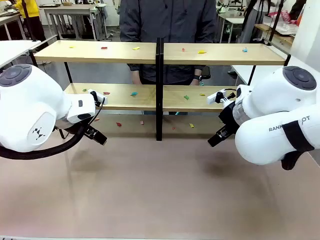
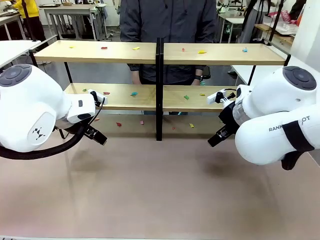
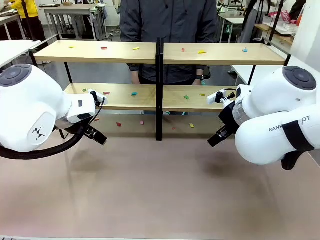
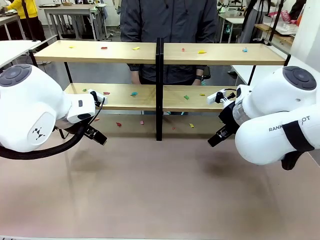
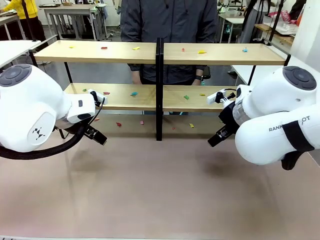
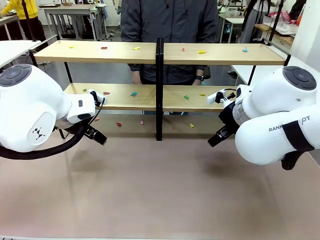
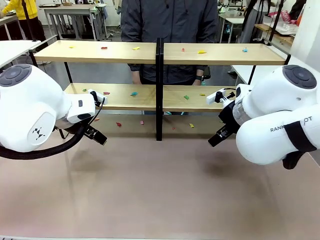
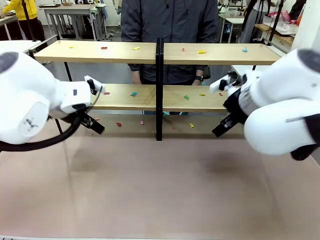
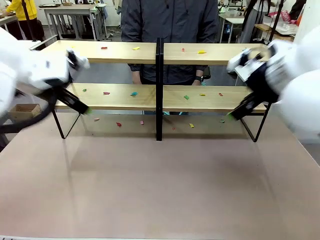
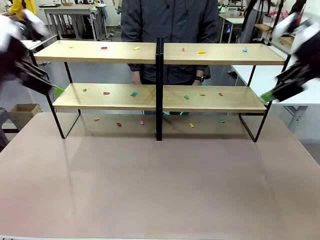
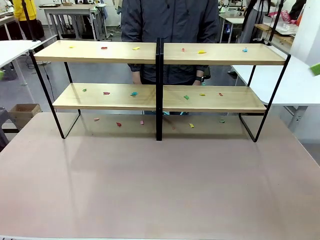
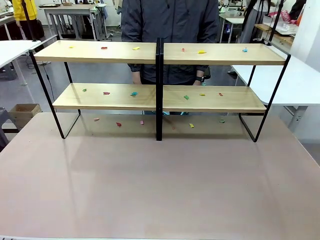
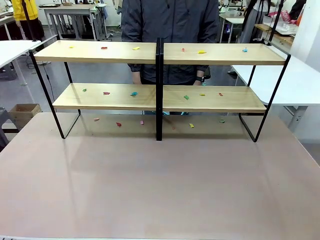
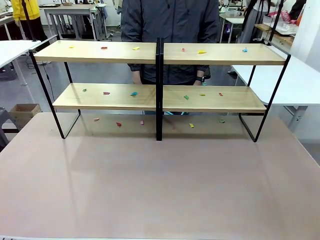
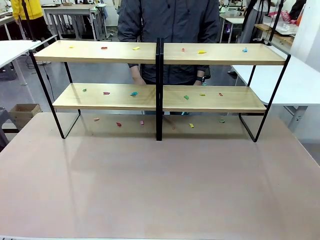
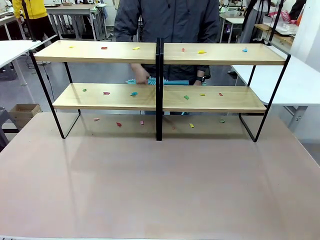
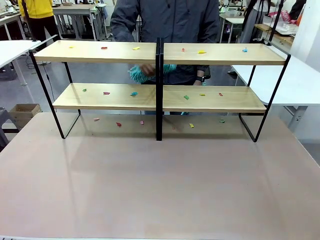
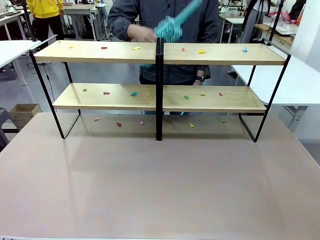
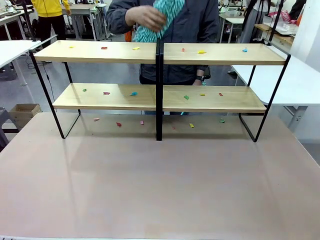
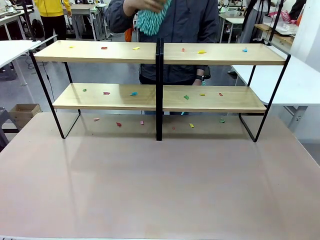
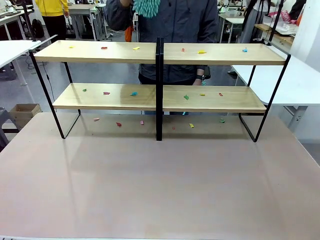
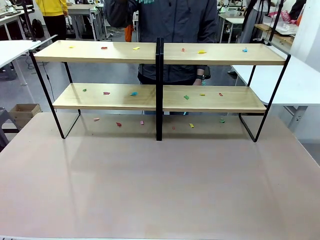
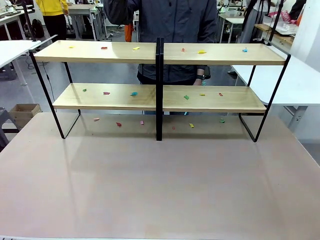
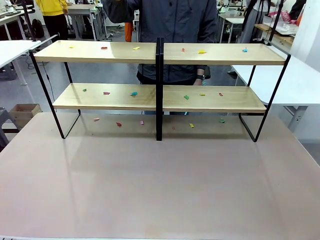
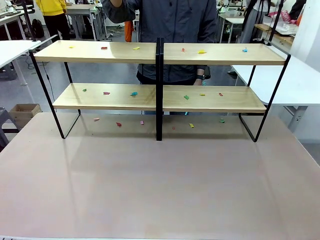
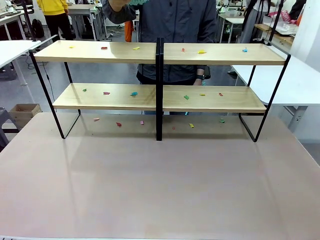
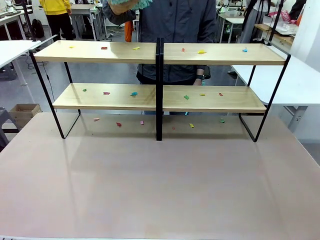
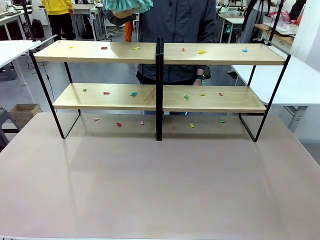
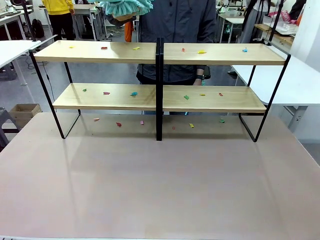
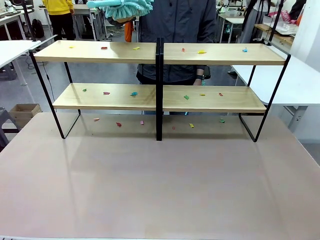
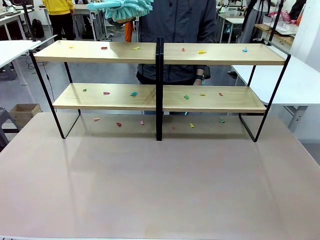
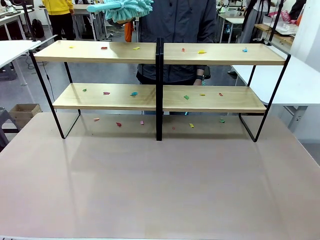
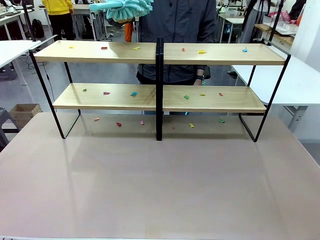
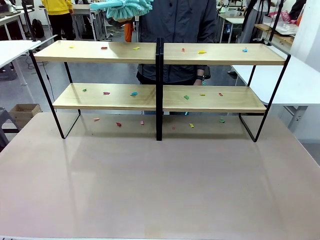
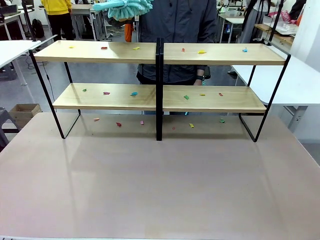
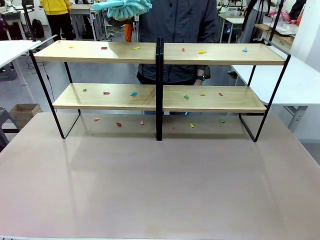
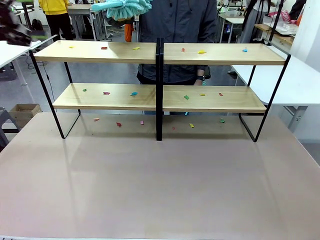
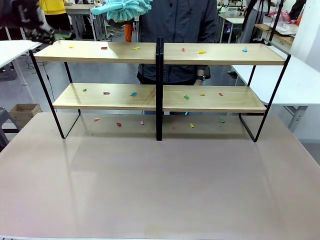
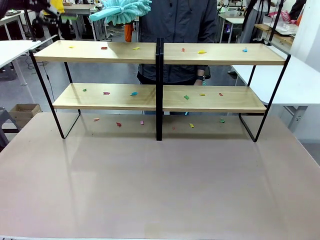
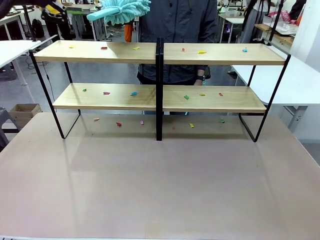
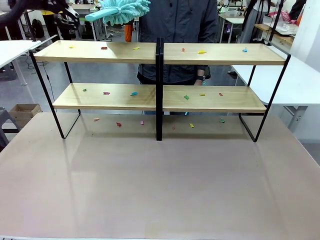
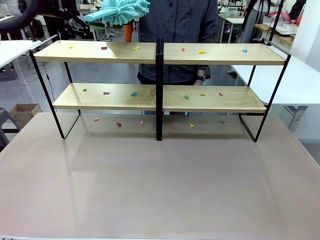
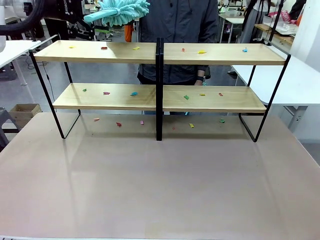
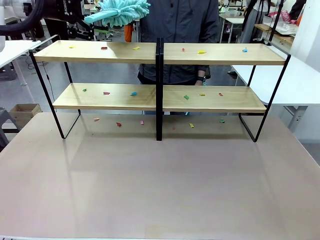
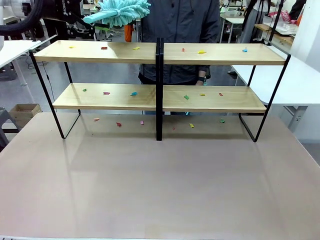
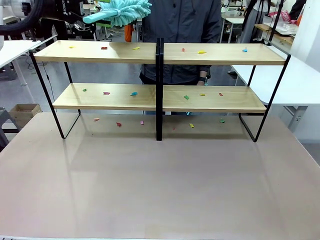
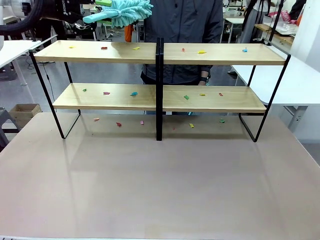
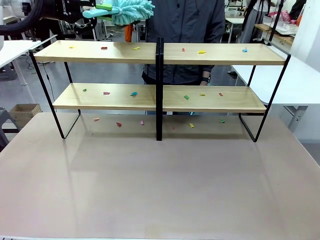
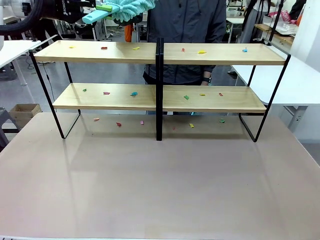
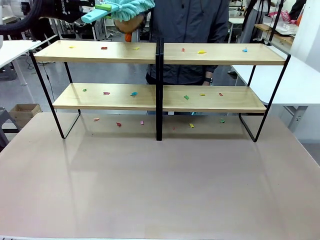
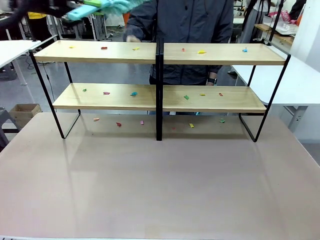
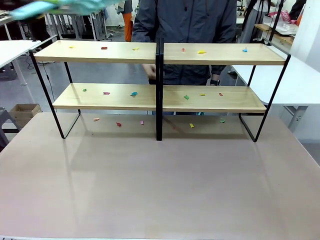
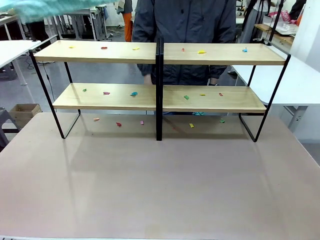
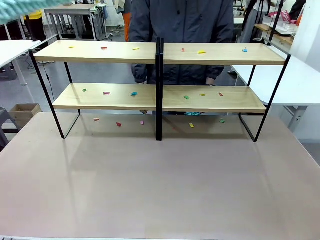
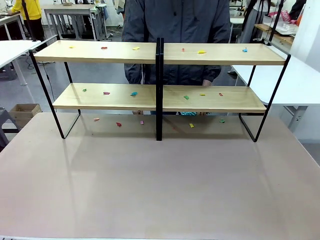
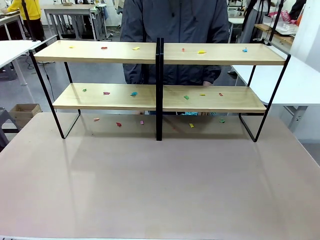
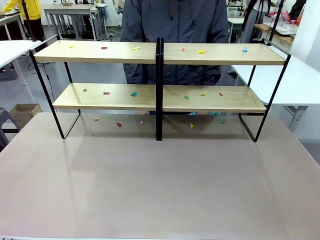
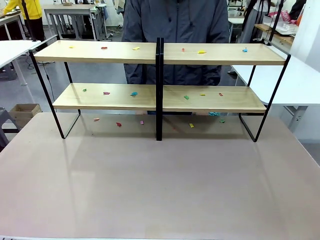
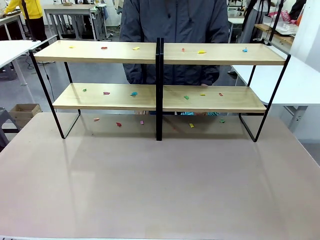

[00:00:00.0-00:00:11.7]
Task: Clean the shelves.
Robot: Pick up the Duster when the human hands it over.
Person: Hand the Duster to the robot with your right (or left) hand.

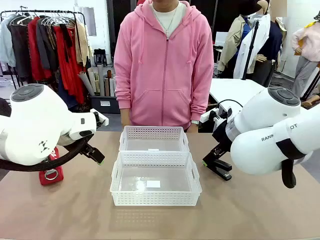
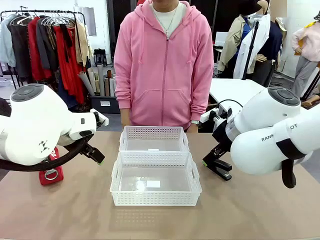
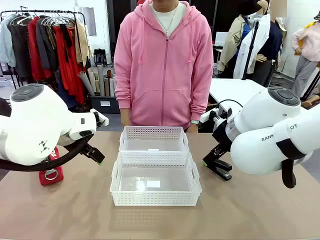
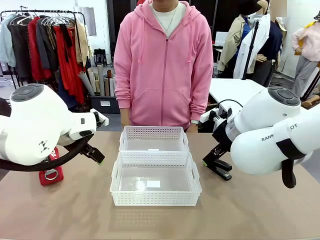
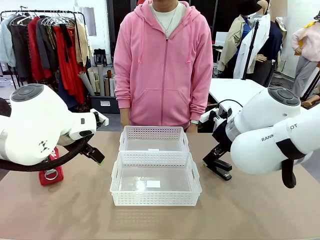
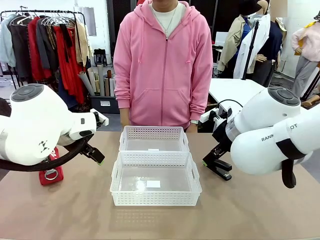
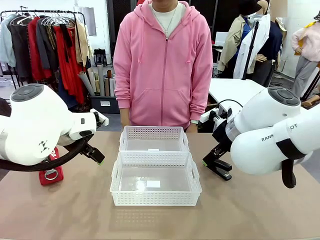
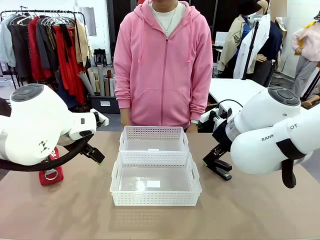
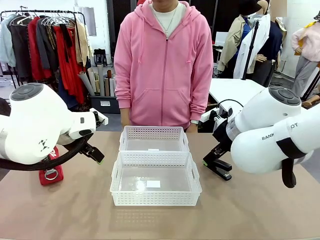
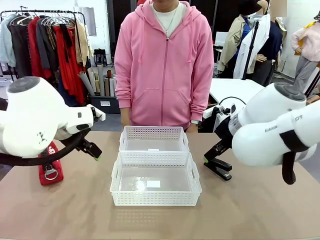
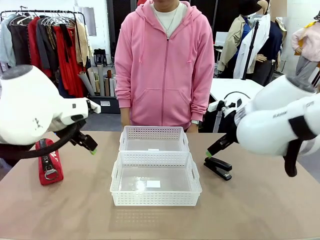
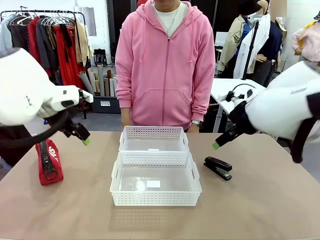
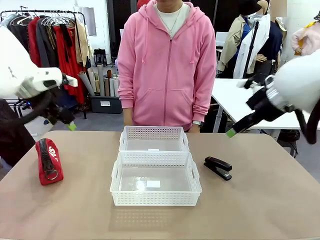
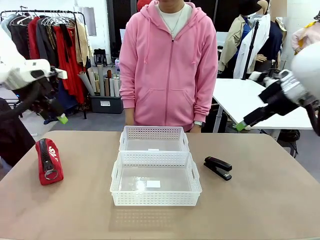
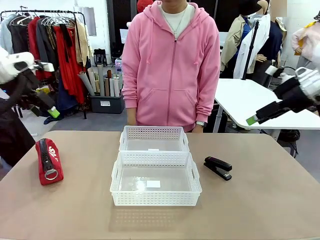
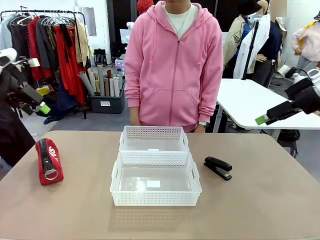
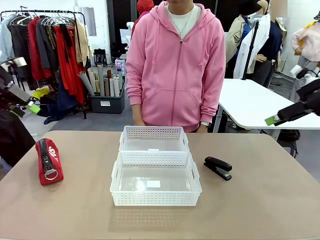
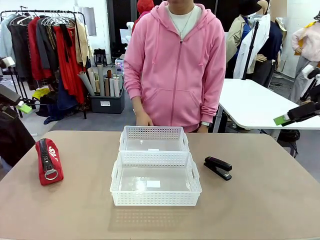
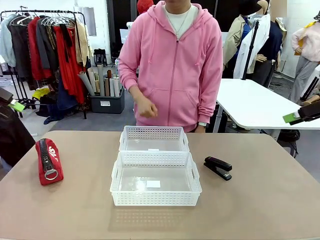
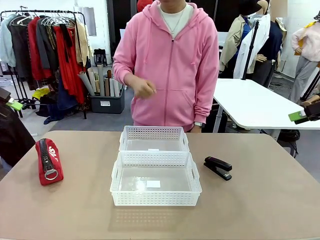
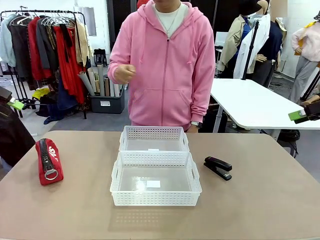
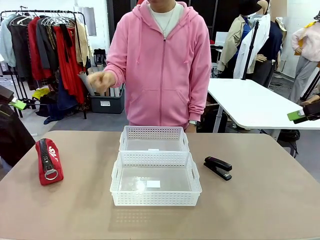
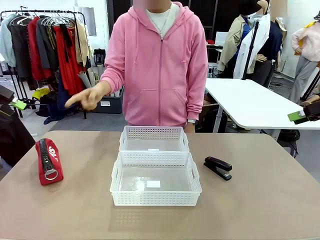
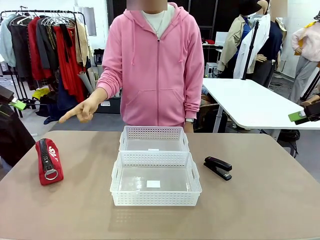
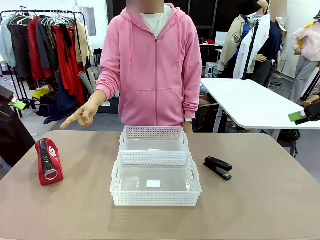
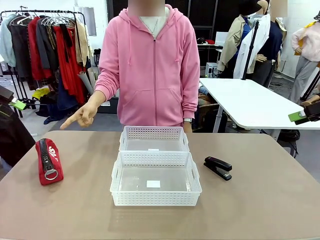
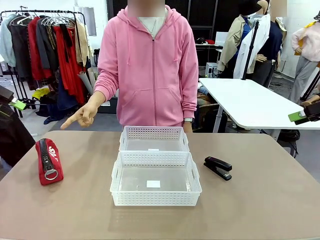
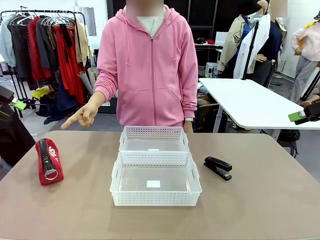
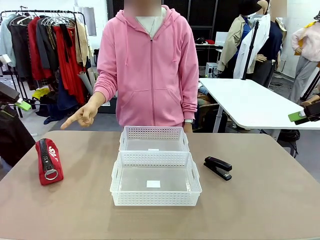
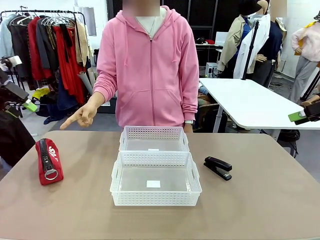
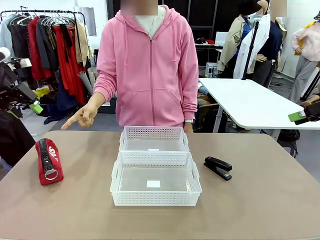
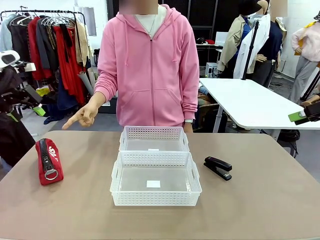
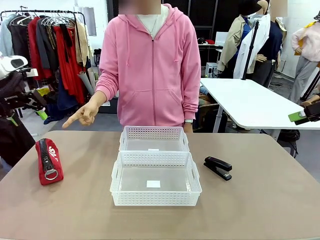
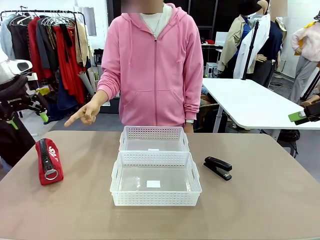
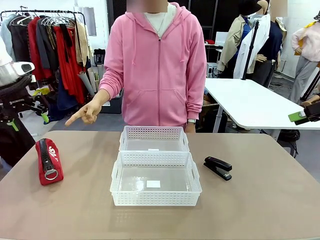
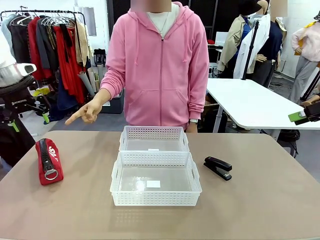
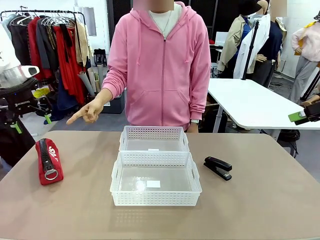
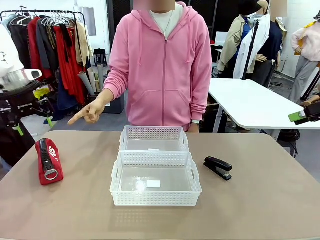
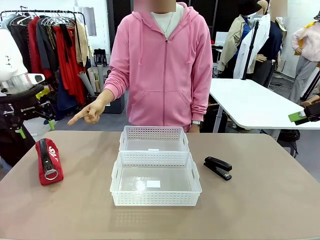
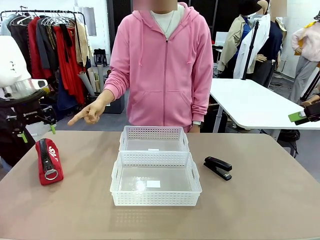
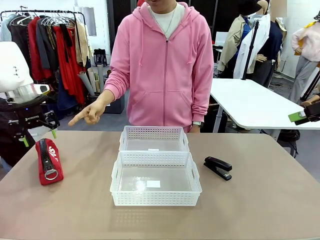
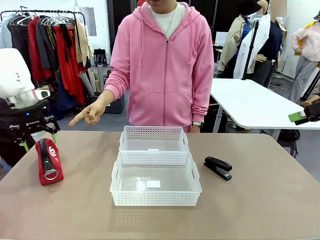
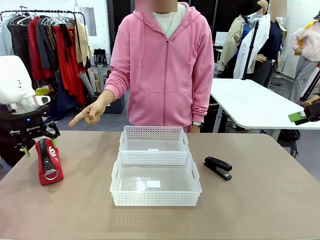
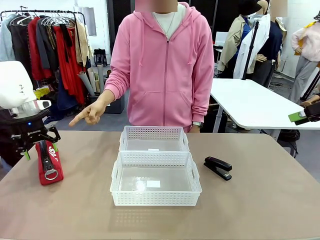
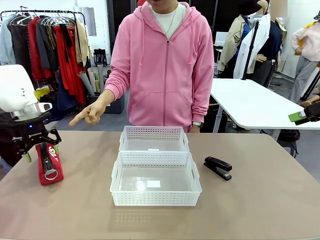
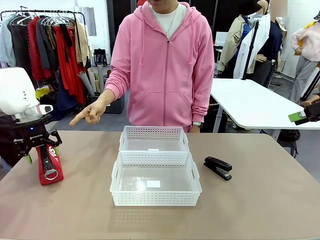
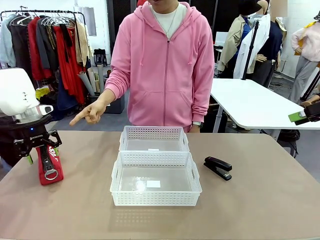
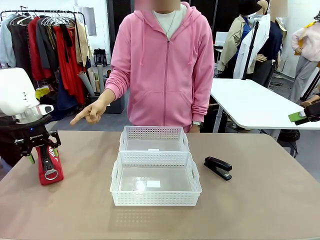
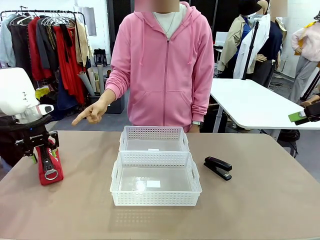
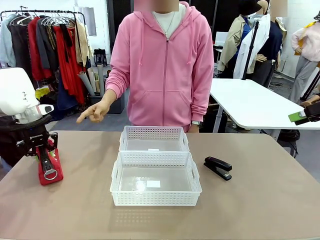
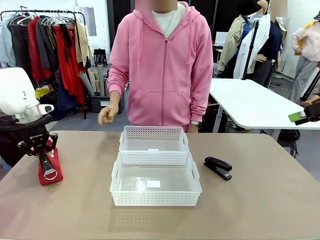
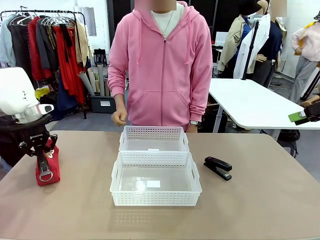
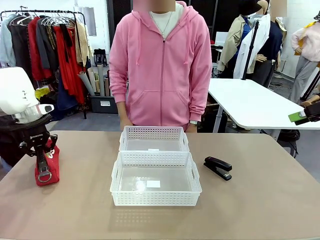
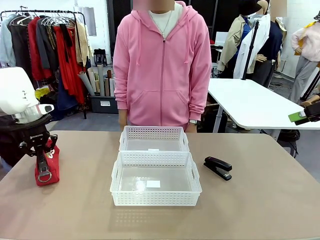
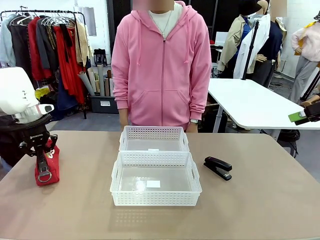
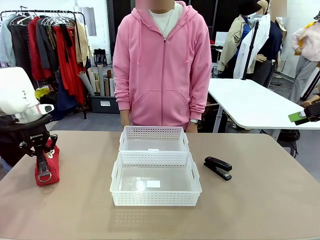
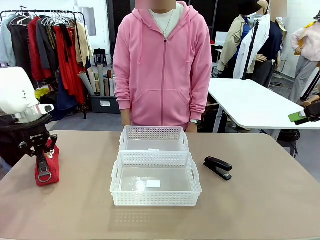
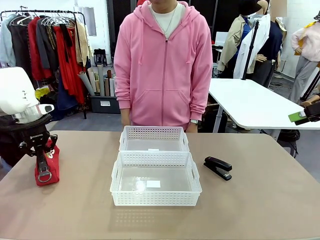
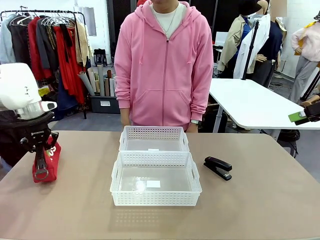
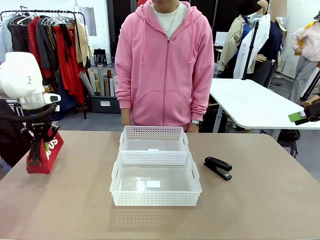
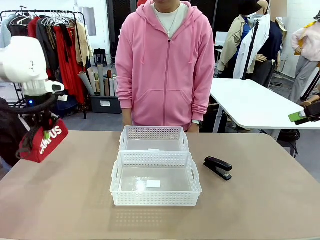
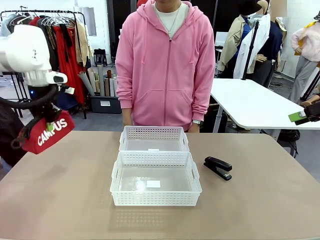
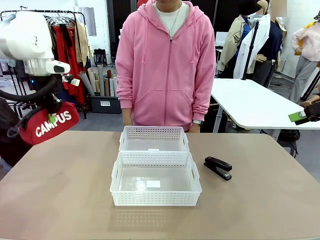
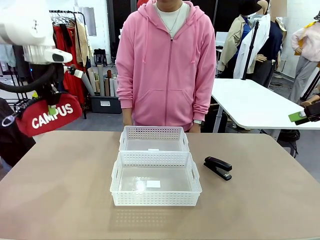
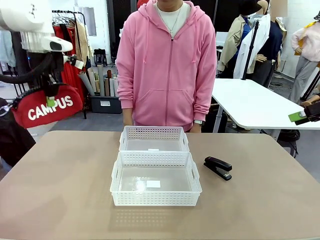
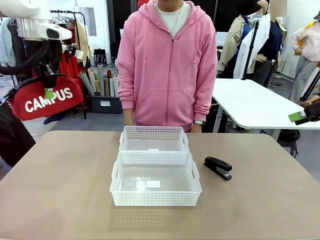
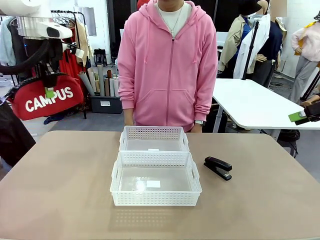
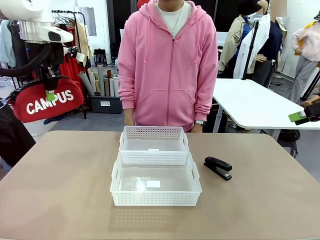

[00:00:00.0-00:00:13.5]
Task: Distribute items into two baskets.
Robot: Pick up the Pencil pouch that the person points to.
Person: Points to the pencil case. Points between the two organizing baskets and instructs the robot to move the pencil case.
